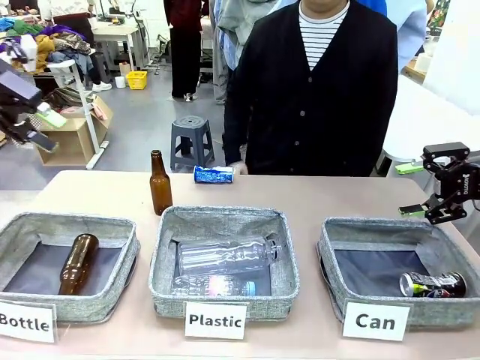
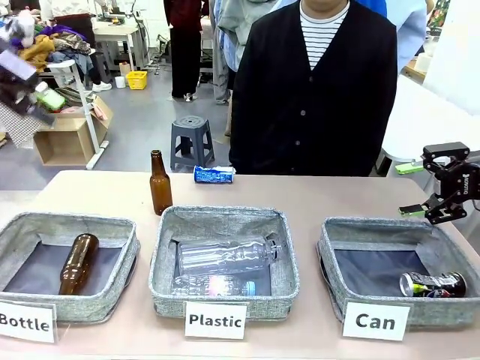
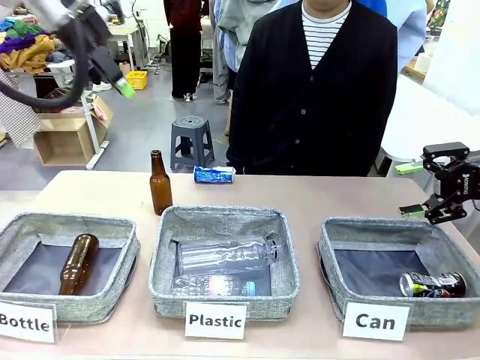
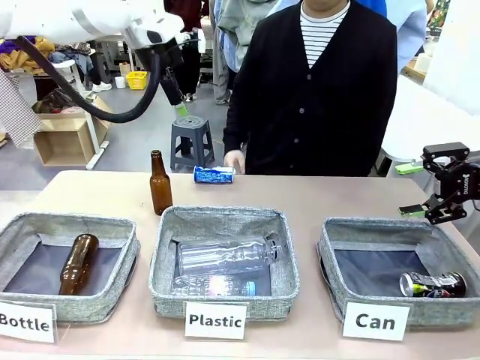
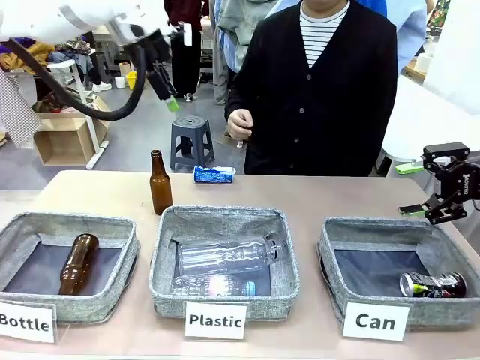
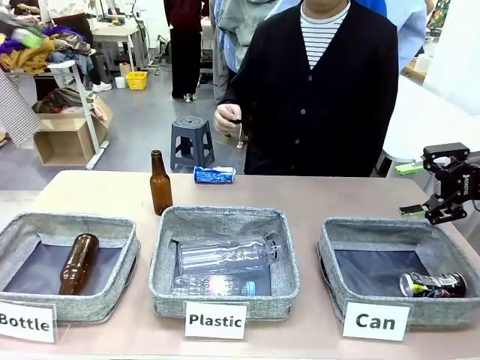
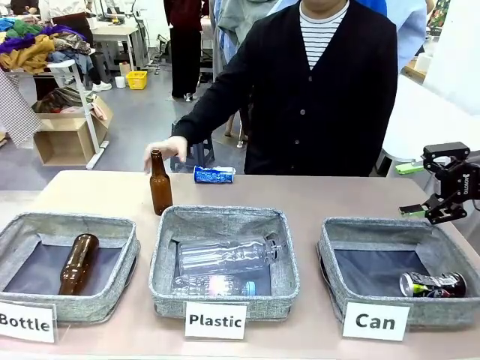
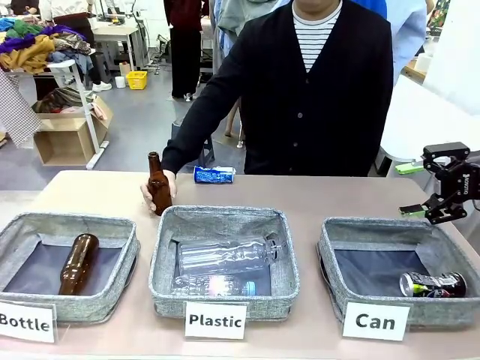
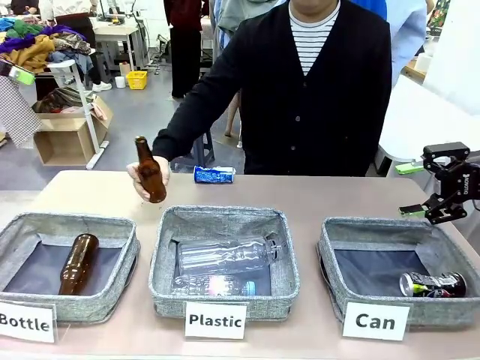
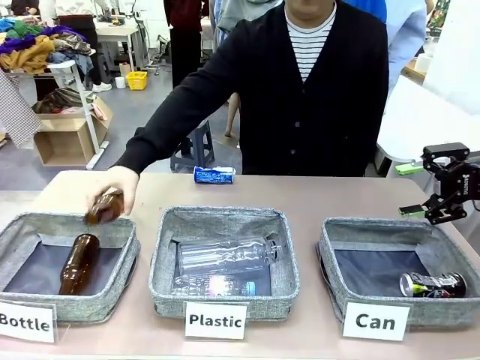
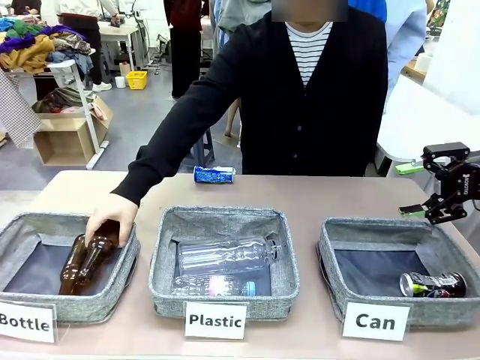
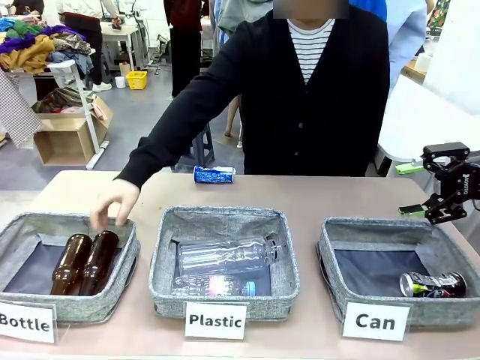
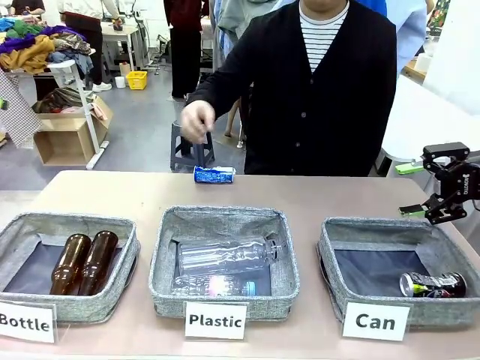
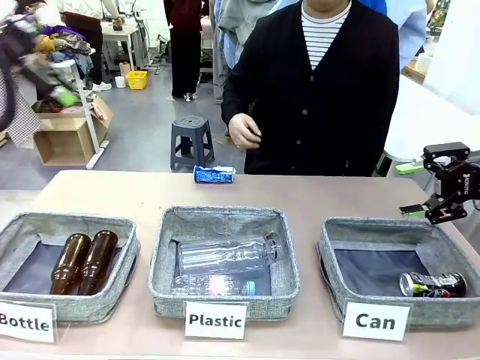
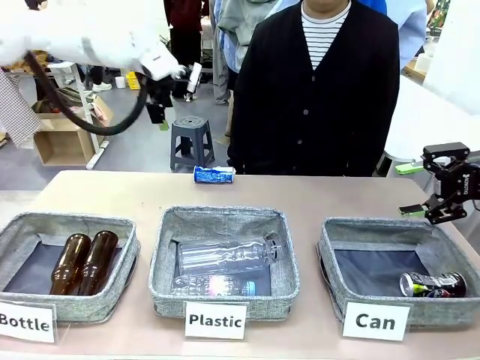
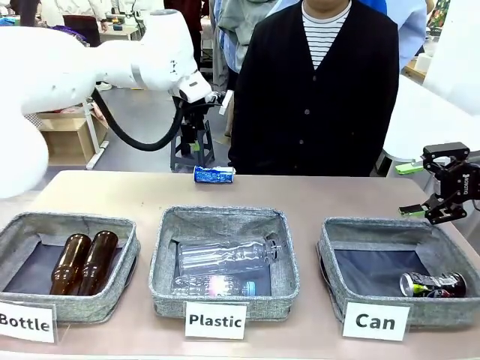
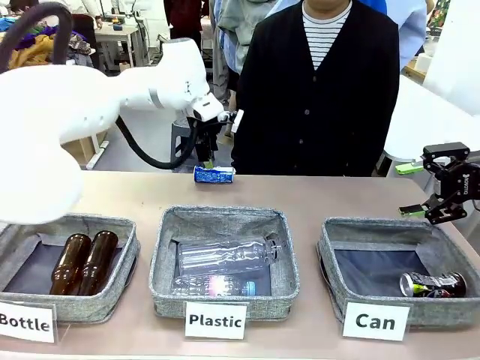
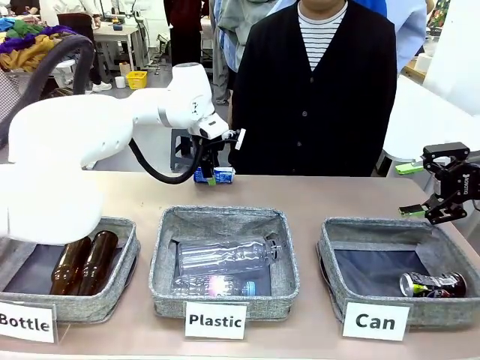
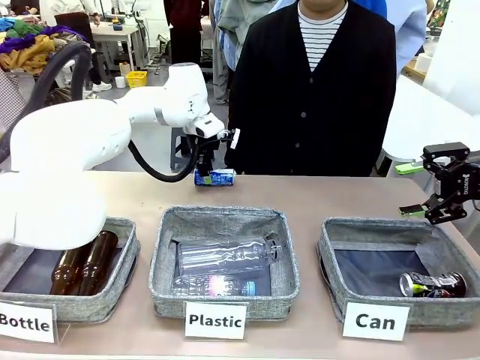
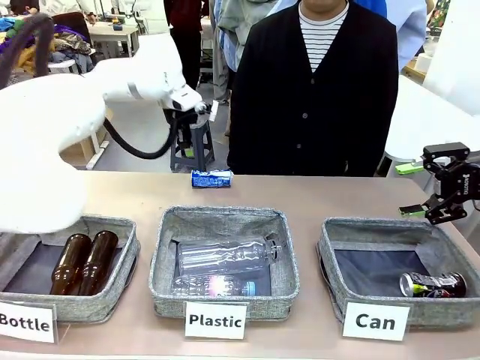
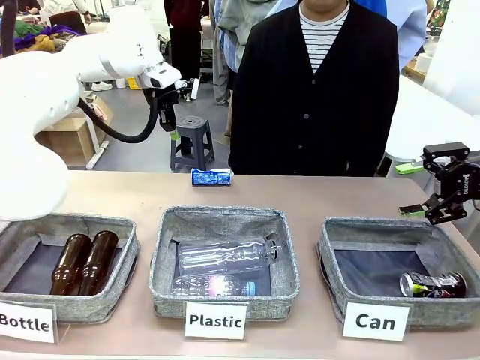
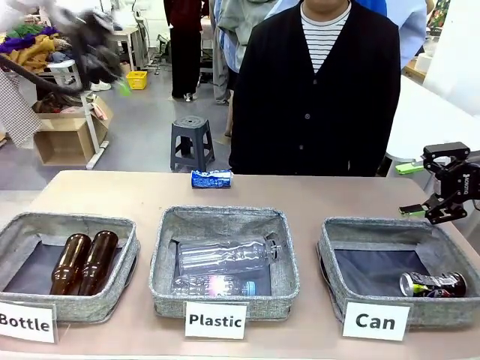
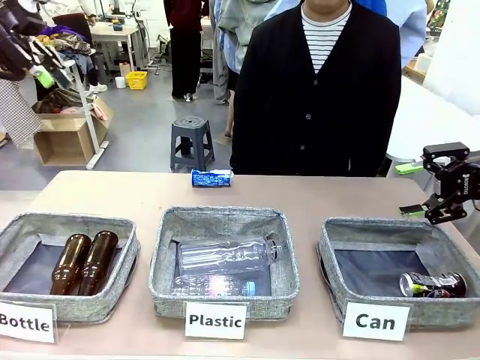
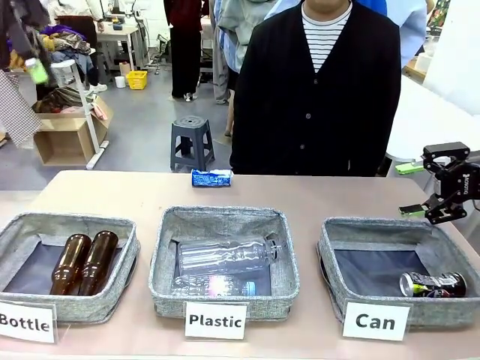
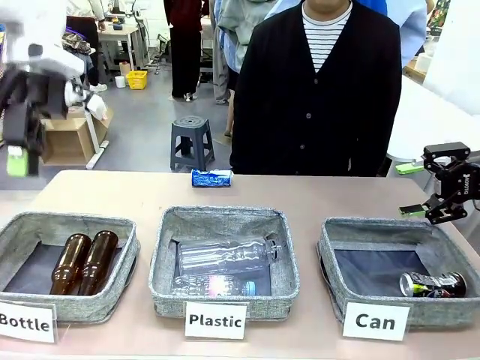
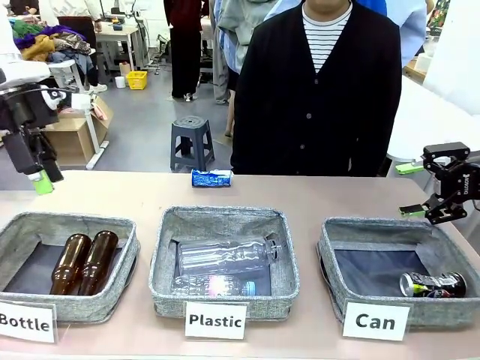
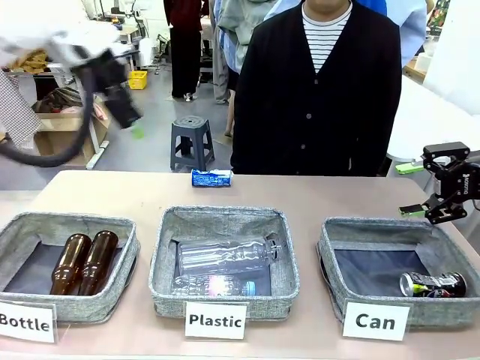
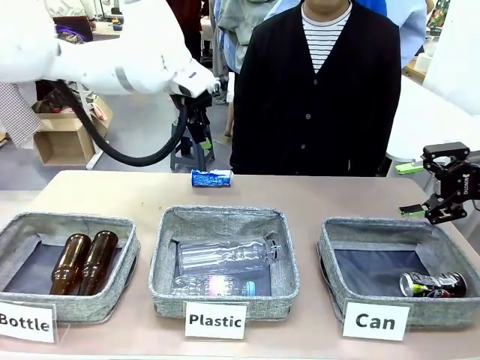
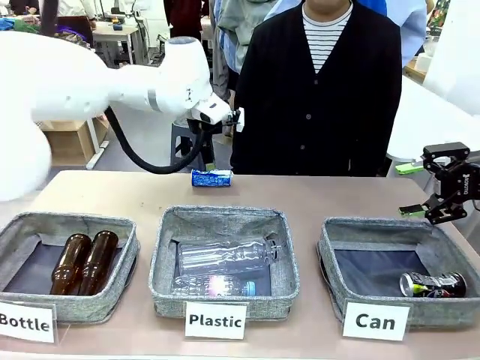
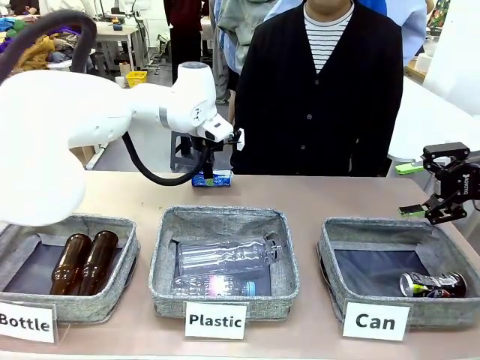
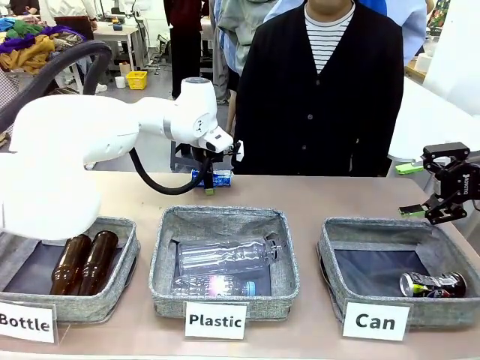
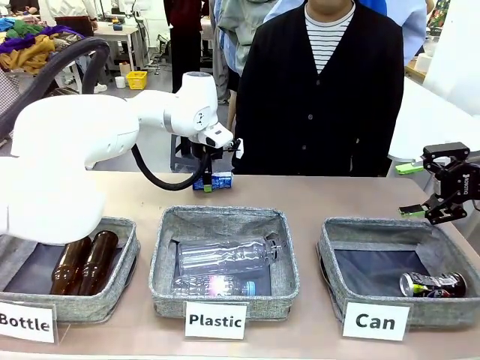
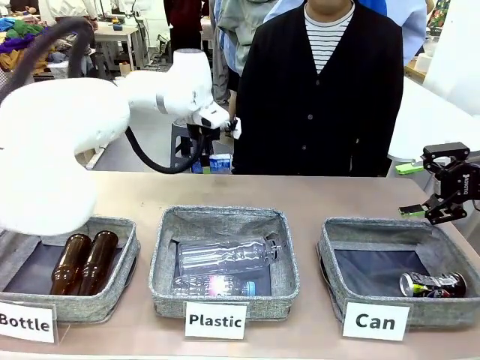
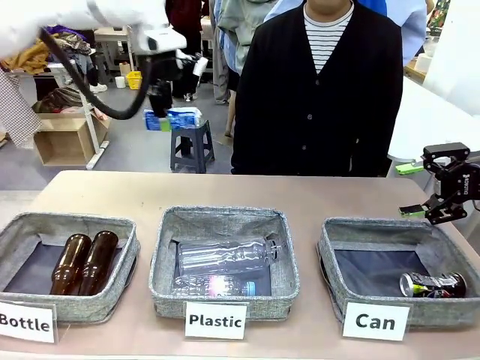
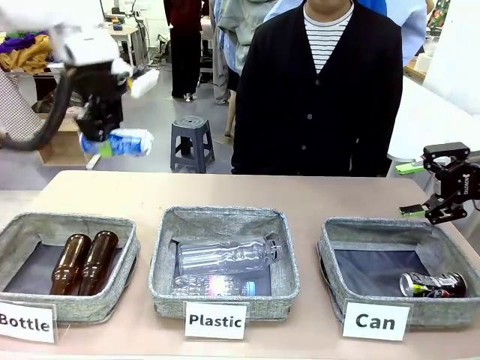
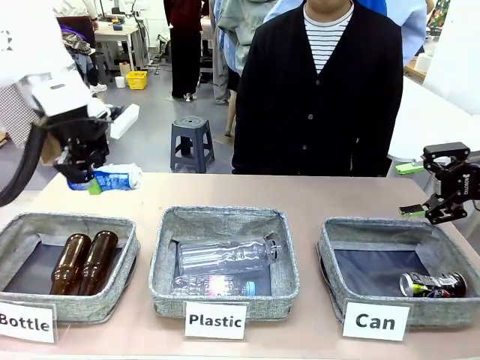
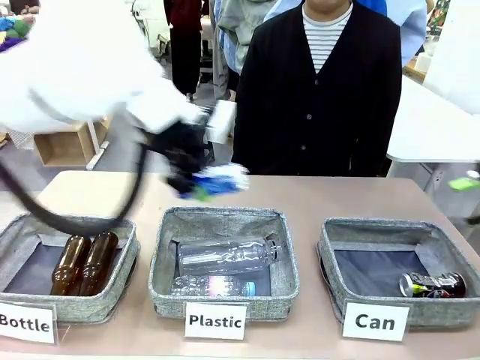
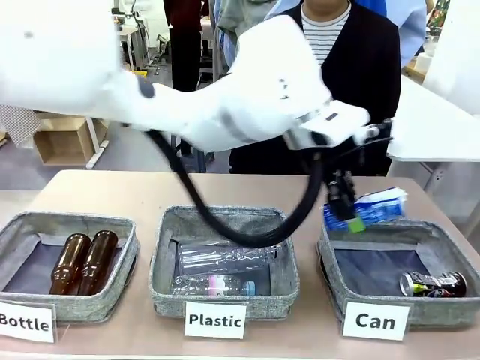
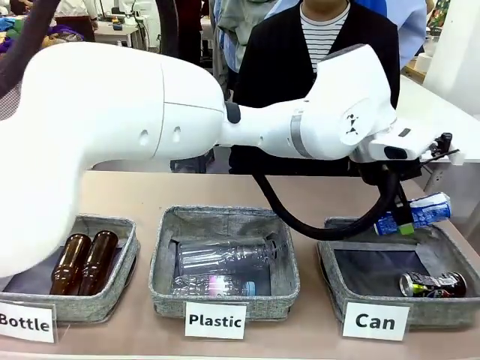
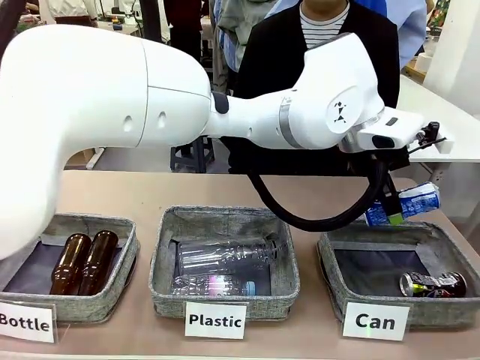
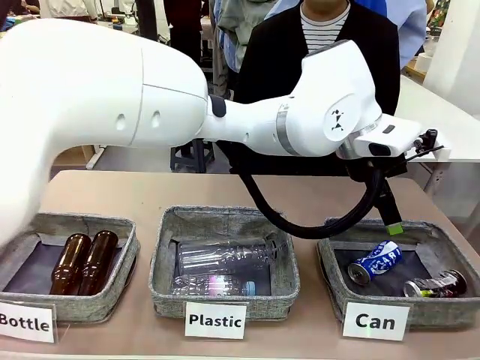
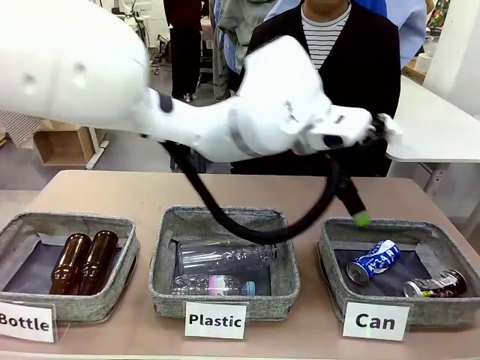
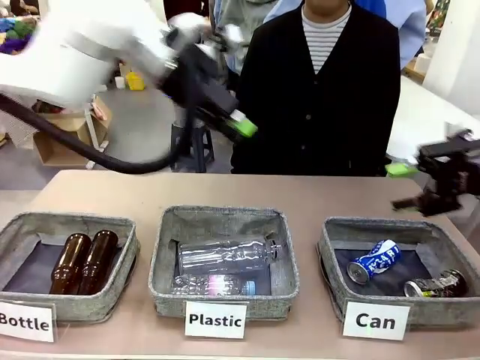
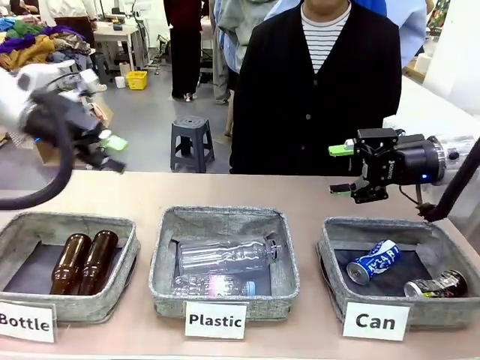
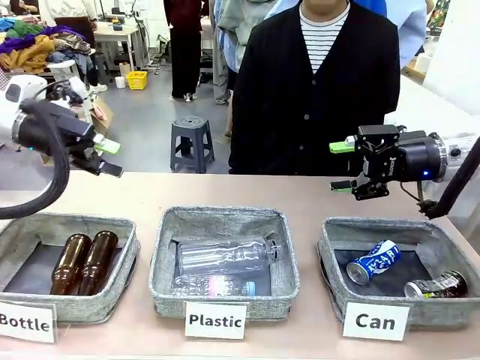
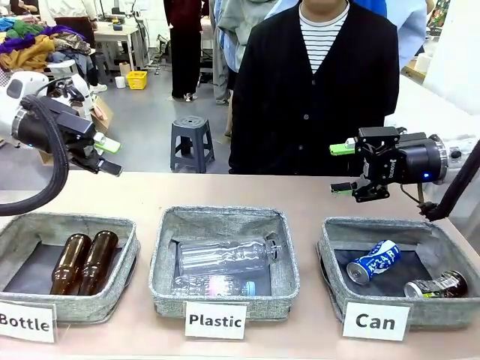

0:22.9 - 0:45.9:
Task: Sort the can waste into the basket.
Robot: Pick up the can waste from the table and place it in the right Fabric basket.
Person: The human picks up one piece of trash that is not a can and places the trash into the appropriate organizing basket.

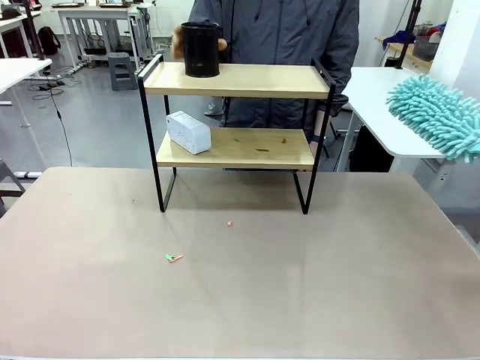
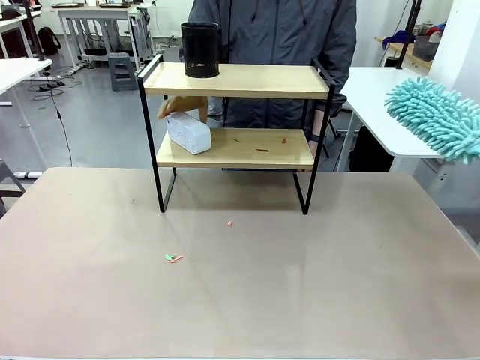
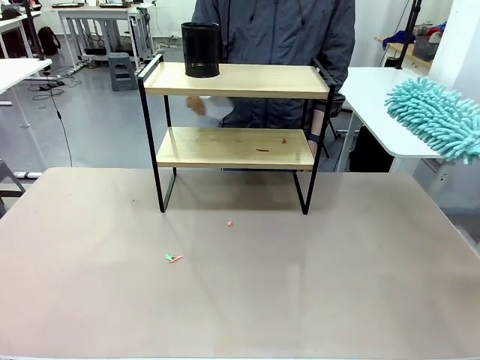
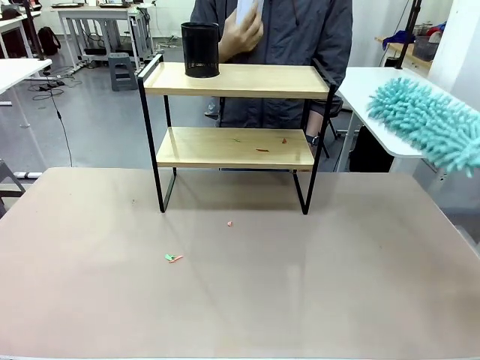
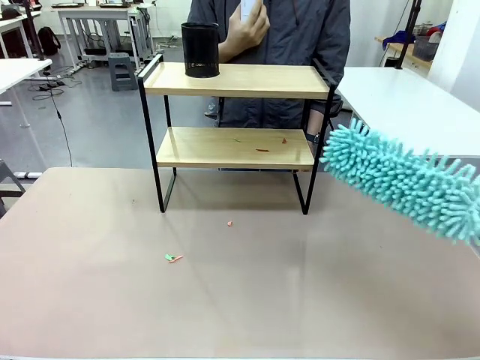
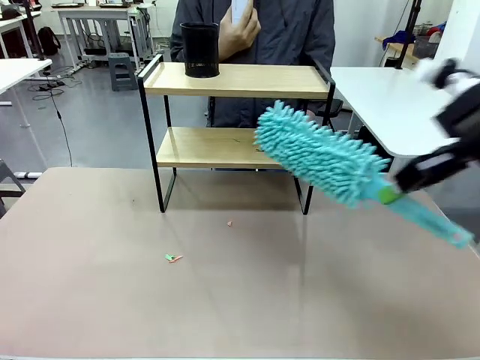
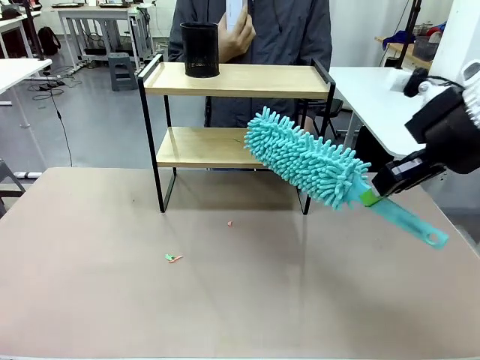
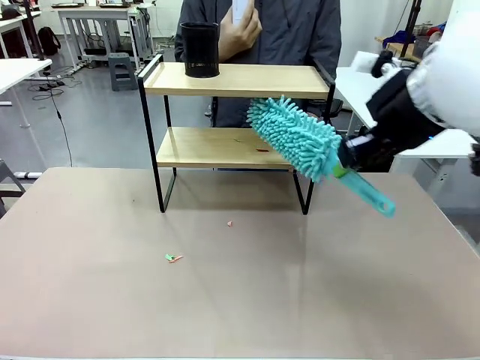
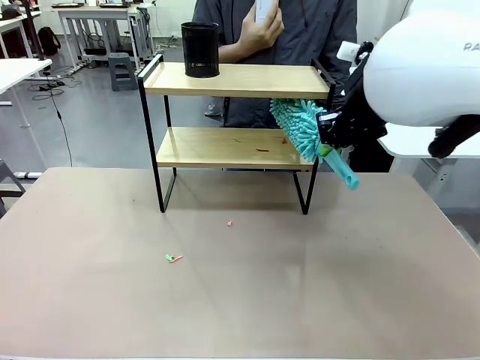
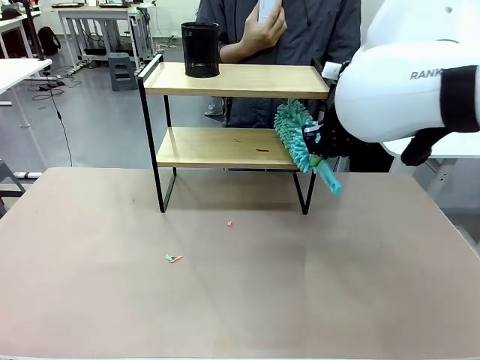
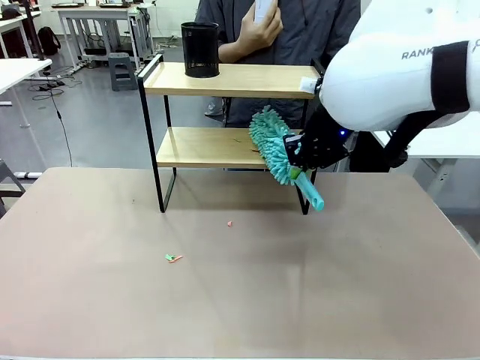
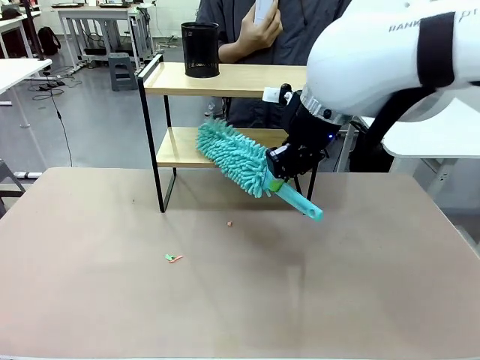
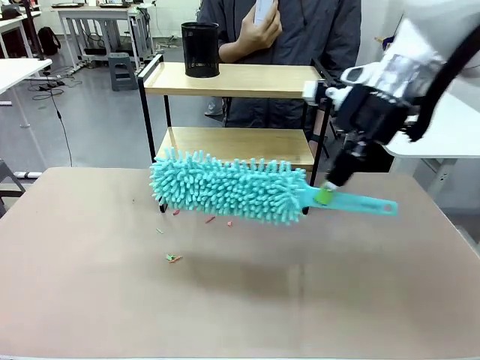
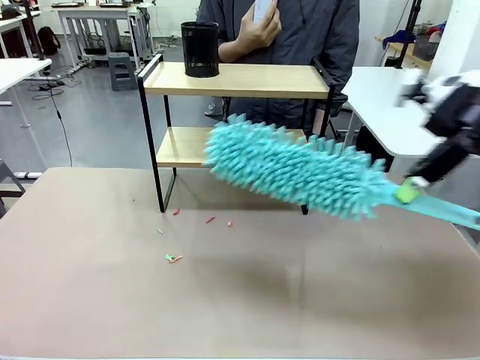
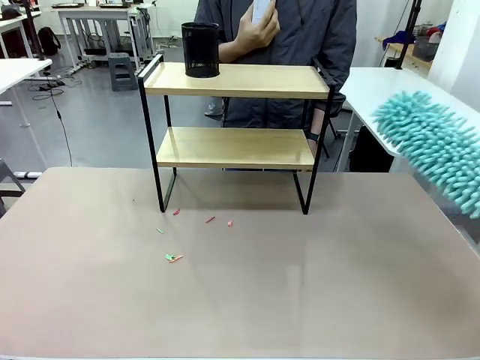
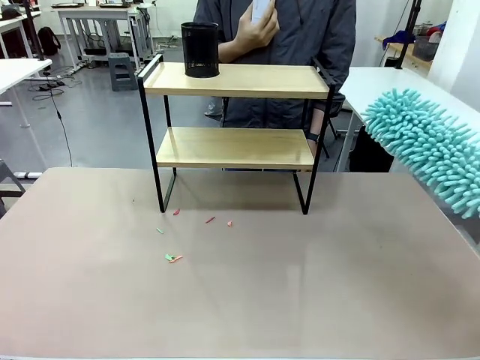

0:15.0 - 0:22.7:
Task: Clean the shelf.
Robot: Clean the remaining tier of the Shelf with the Duster once objects are removed.
